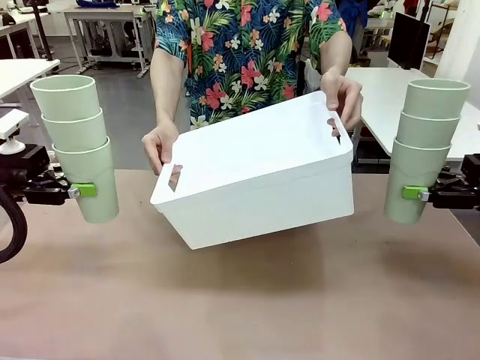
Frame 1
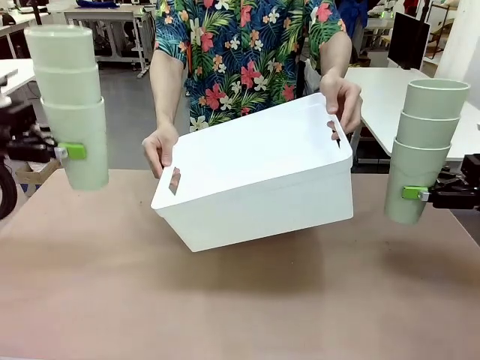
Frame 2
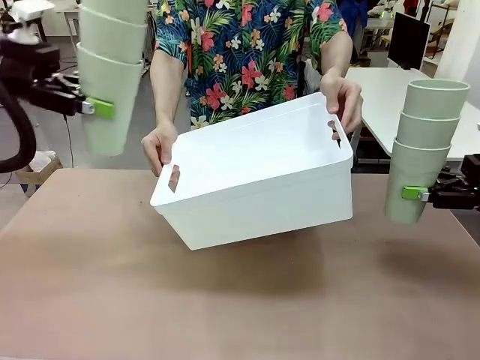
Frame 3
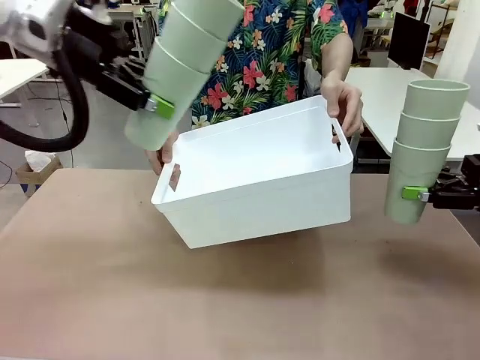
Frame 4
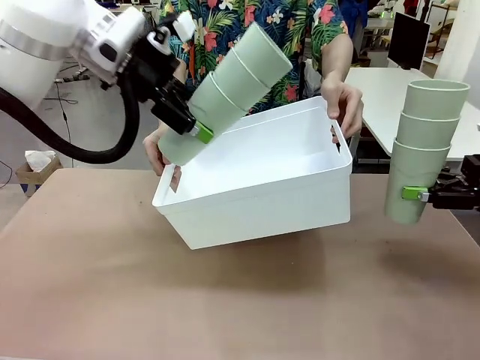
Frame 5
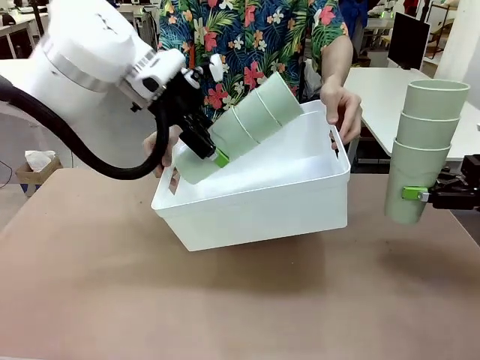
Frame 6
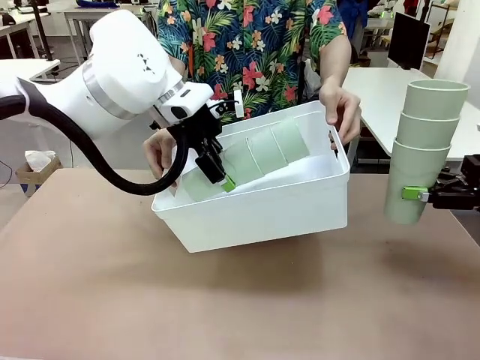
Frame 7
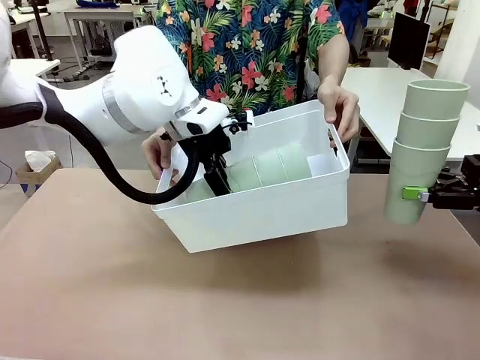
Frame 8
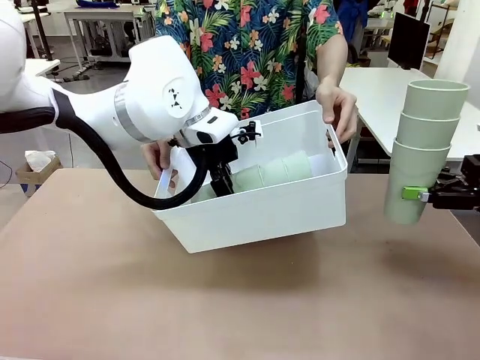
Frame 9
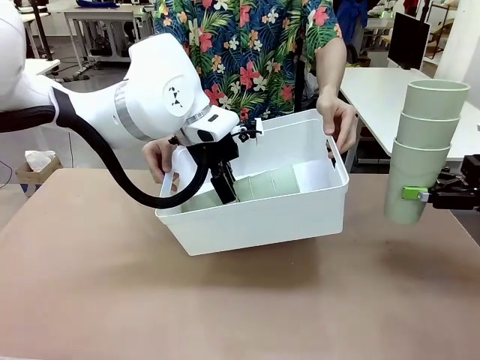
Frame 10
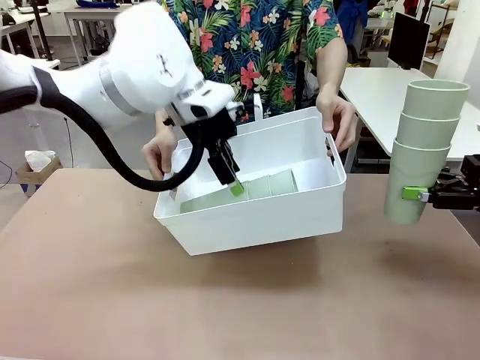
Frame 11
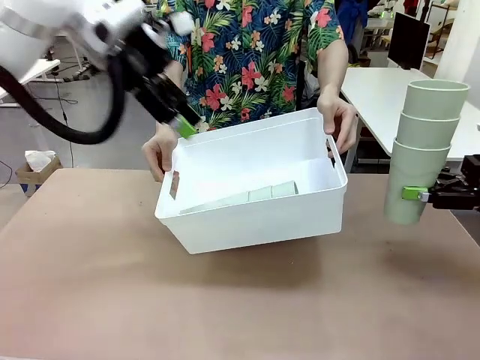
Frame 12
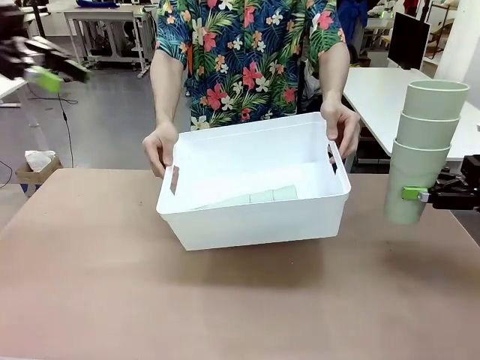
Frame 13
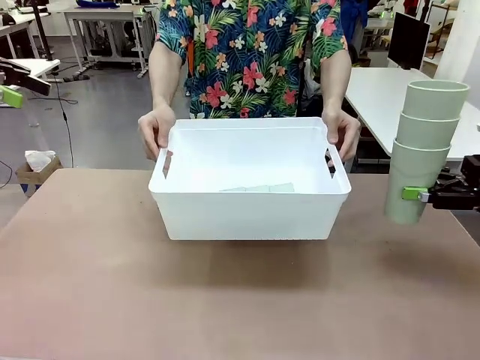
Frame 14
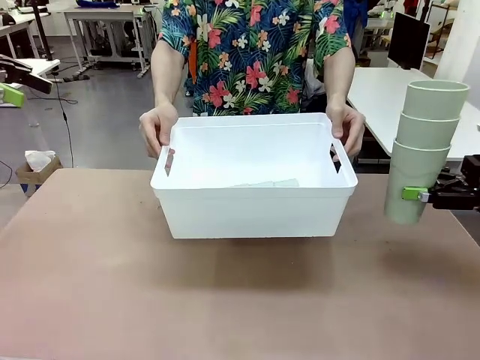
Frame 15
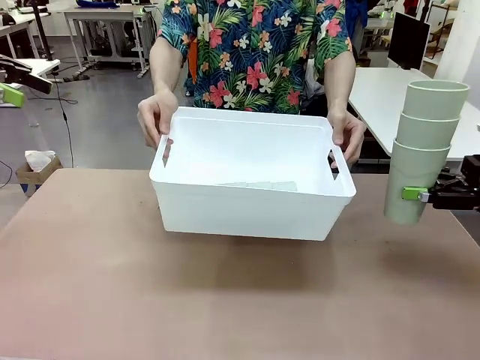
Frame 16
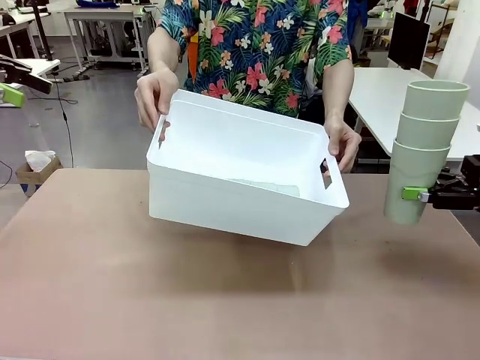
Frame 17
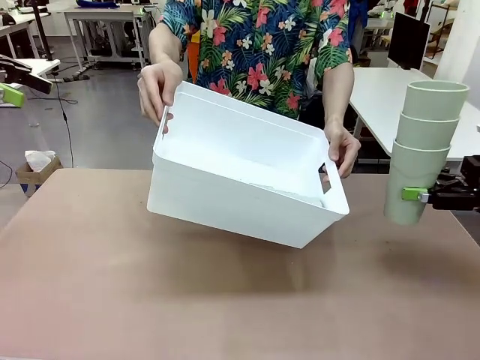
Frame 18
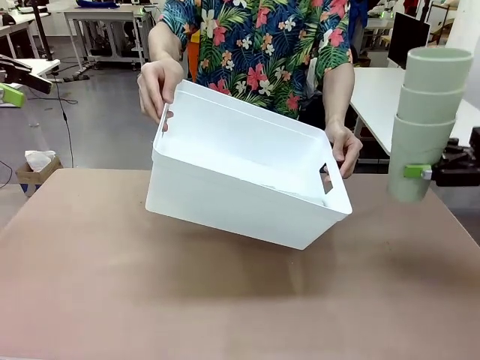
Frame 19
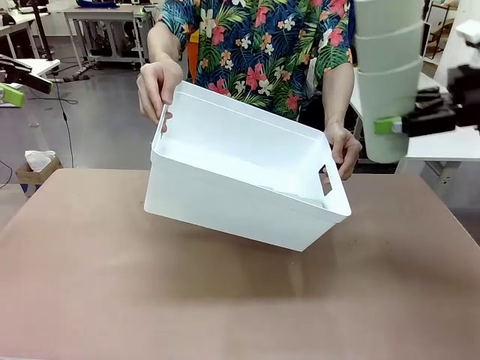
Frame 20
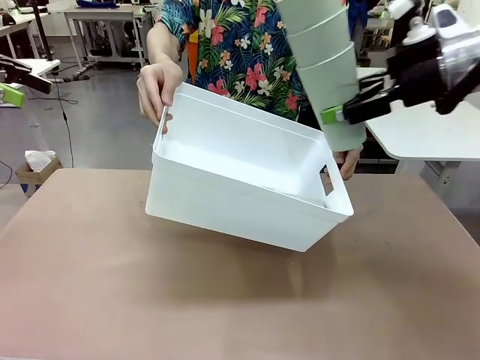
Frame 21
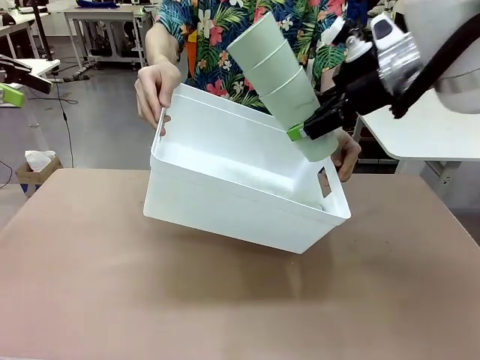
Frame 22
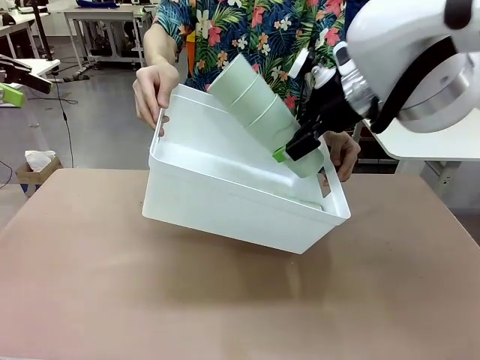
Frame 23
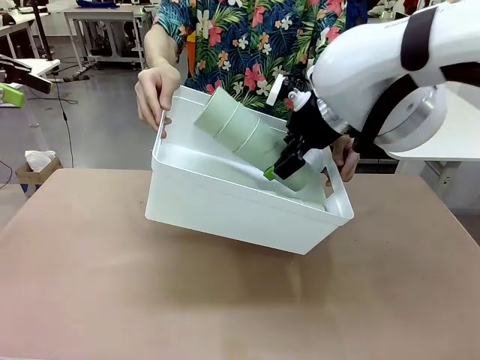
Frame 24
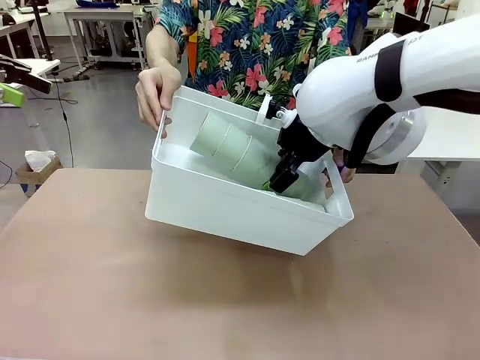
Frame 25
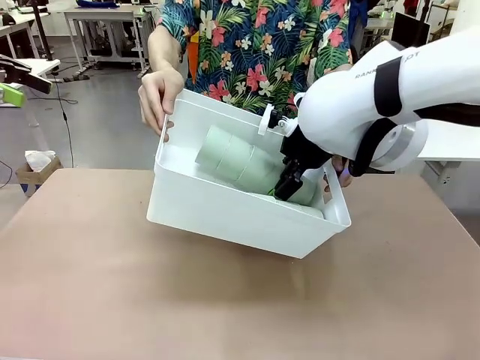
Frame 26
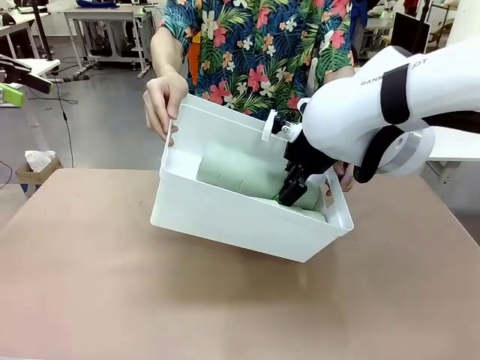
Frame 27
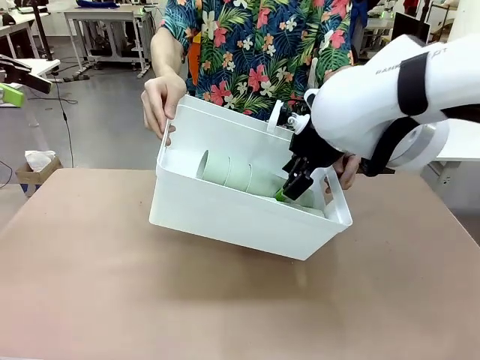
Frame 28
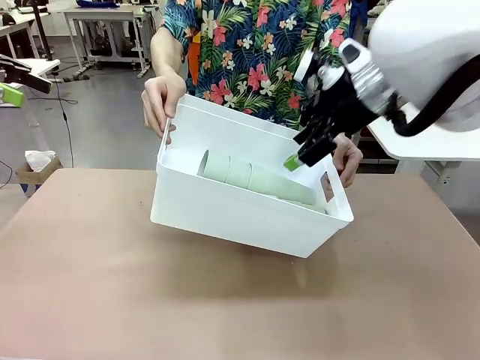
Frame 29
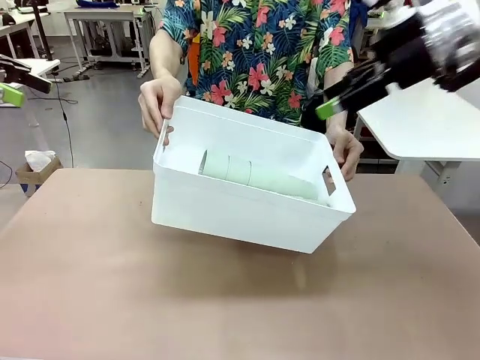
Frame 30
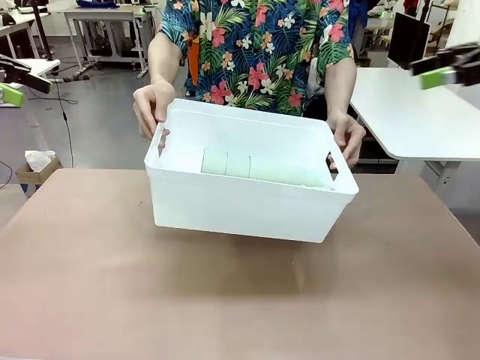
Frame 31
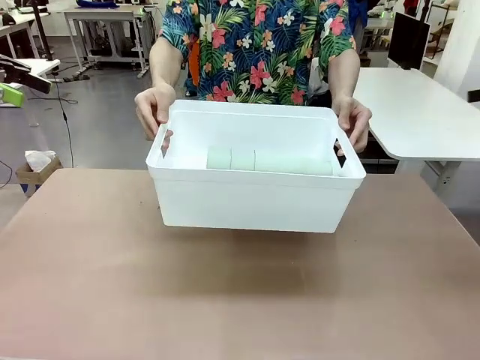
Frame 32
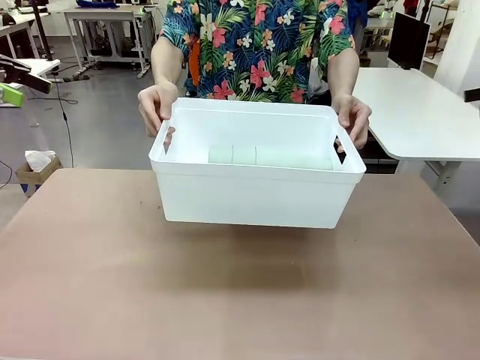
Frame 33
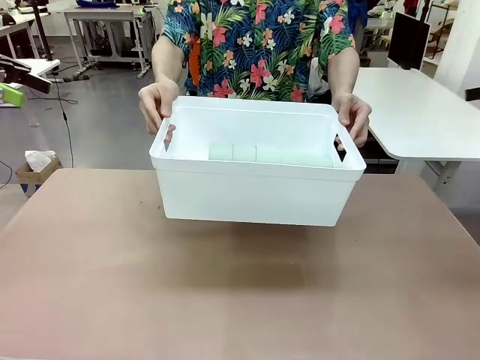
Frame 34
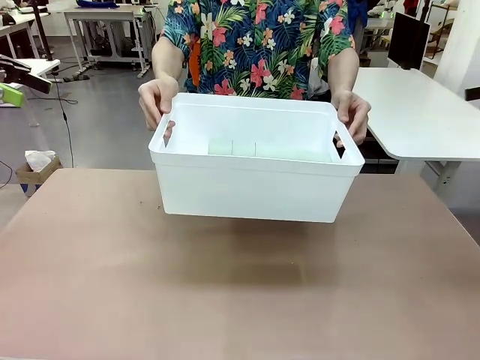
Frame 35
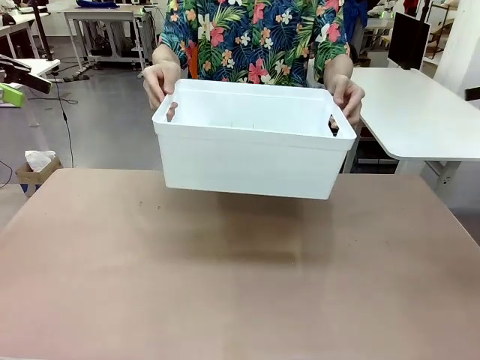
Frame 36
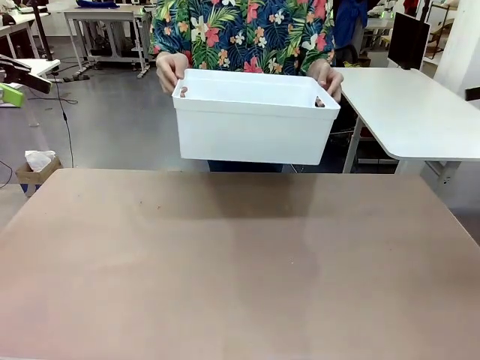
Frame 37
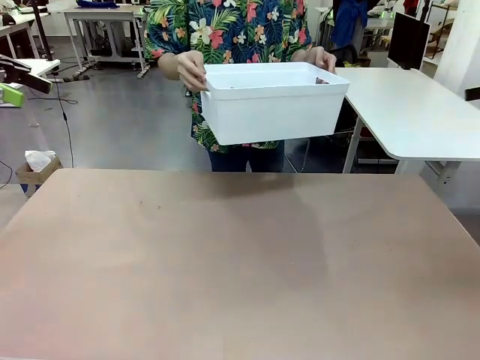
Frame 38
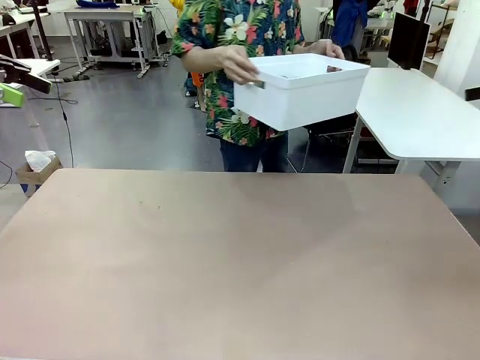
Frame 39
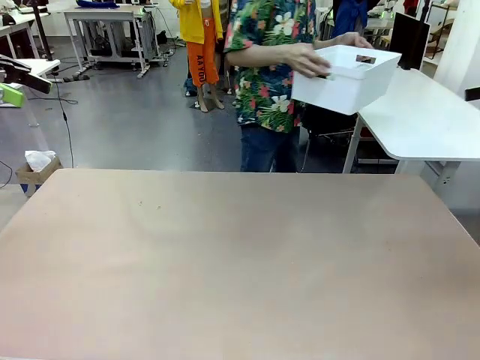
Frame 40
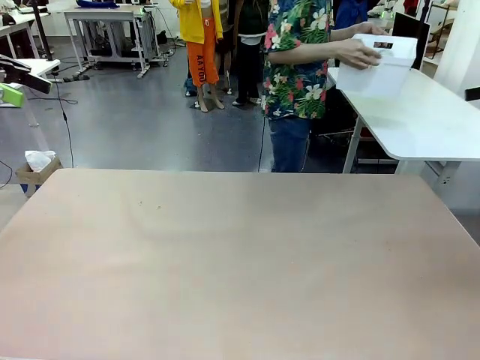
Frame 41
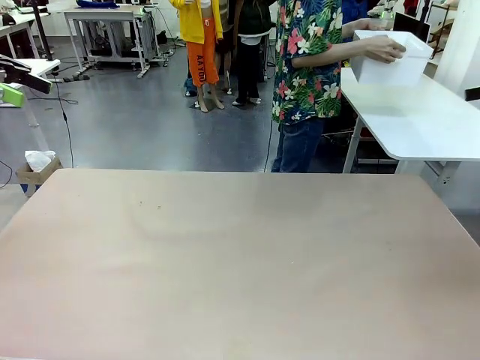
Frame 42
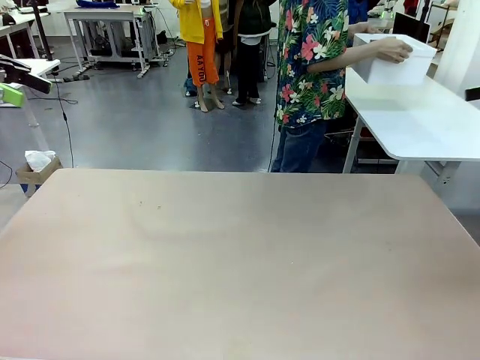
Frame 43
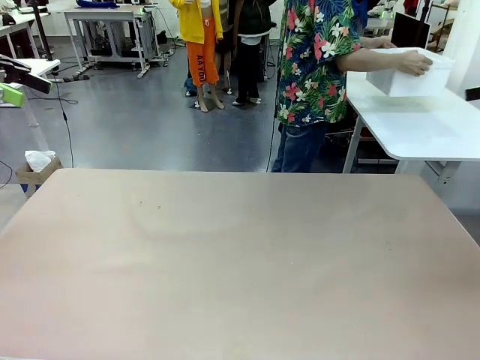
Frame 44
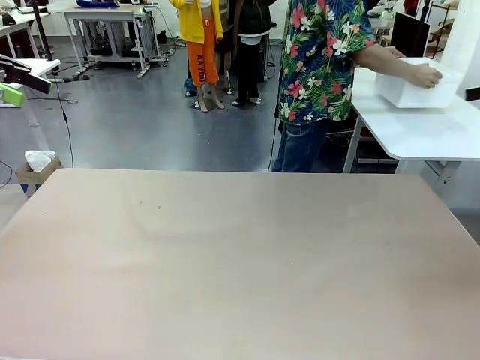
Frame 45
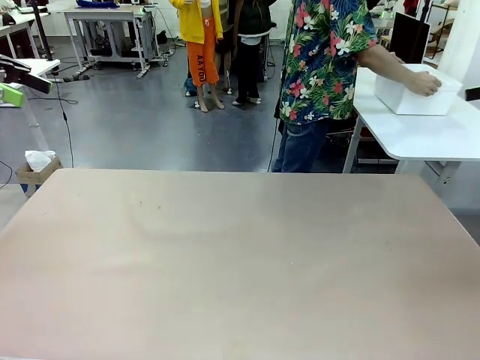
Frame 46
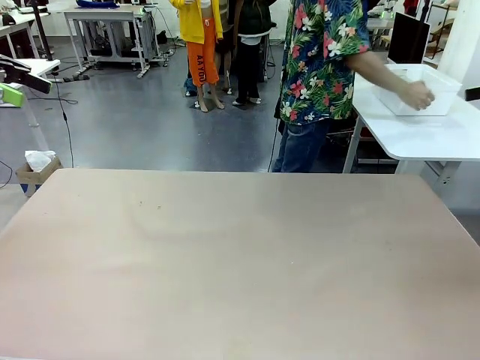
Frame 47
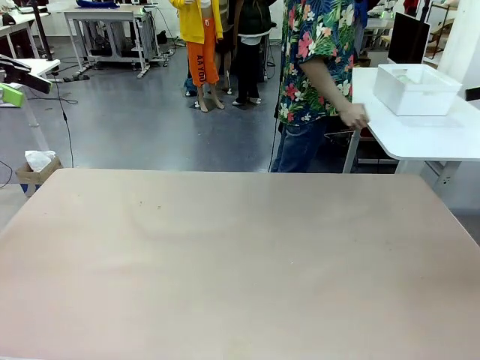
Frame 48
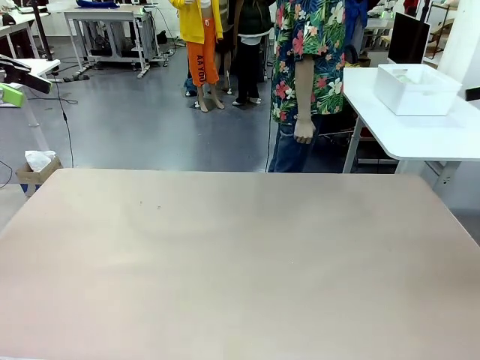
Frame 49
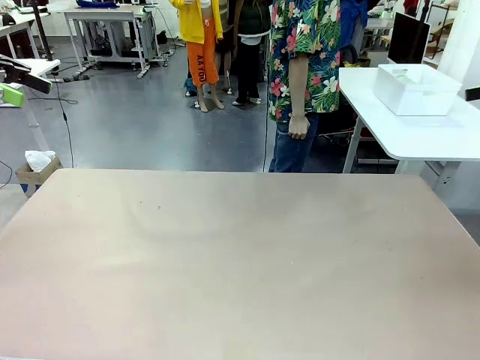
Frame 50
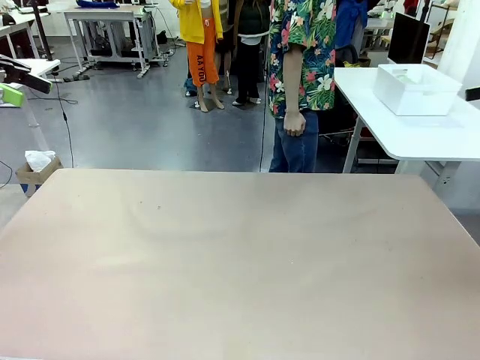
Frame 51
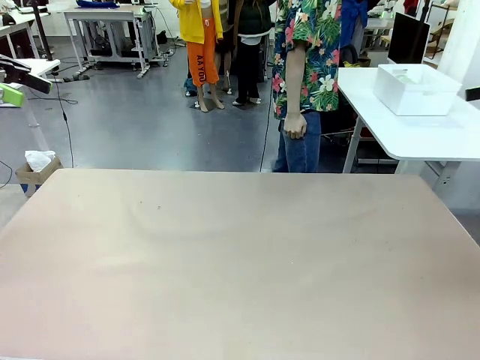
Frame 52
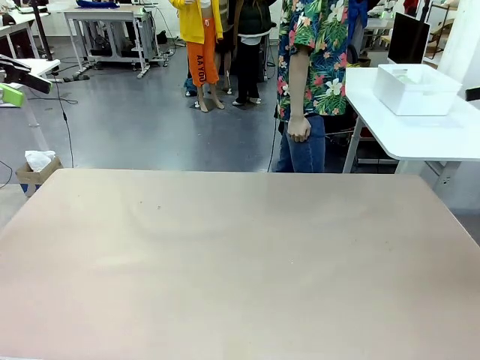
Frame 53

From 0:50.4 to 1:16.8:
Task: Stack the cups and store them in the basket.
Robot: Place the stack of Reusable plastic cups into the Pantry Basket.
Person: Place the basket containing the cups in the middle of the Human Table.
